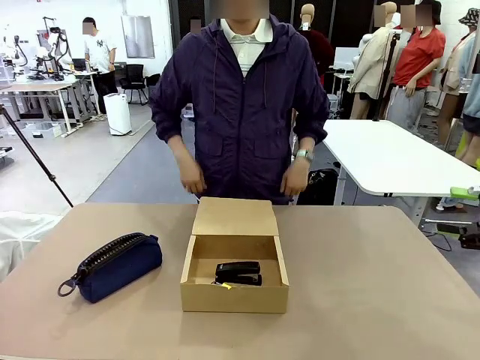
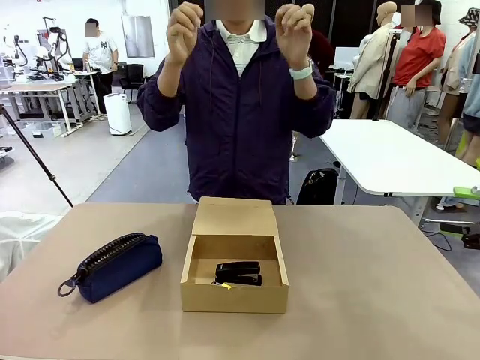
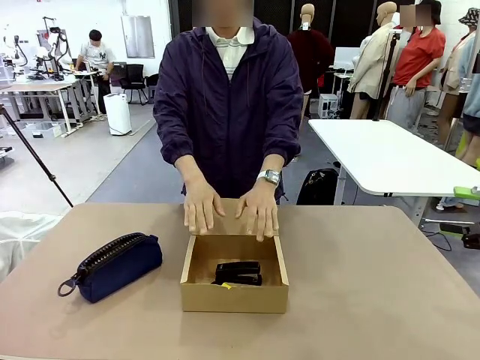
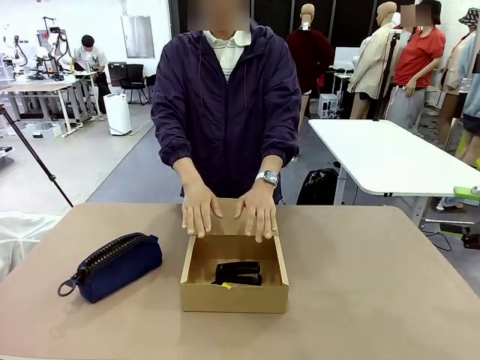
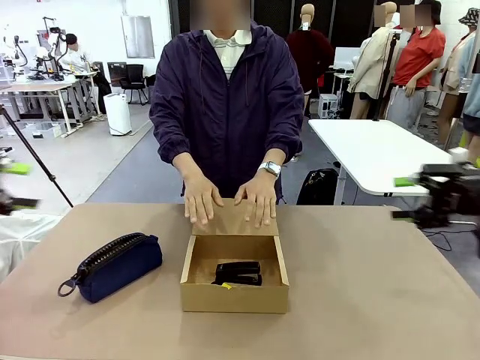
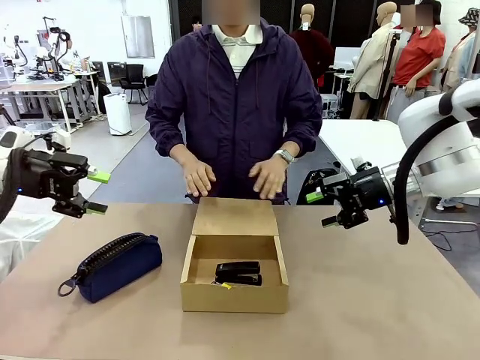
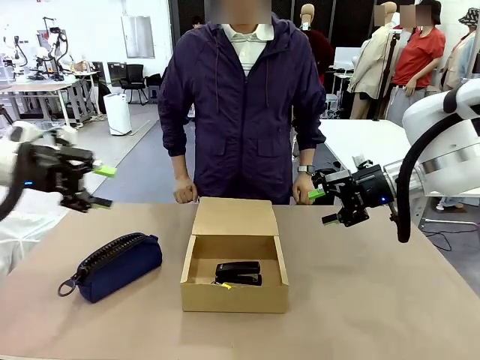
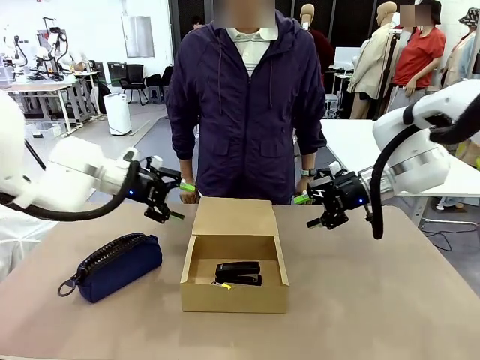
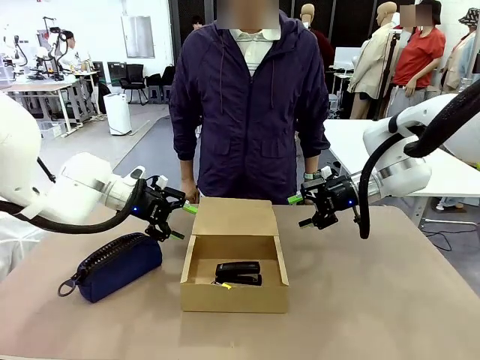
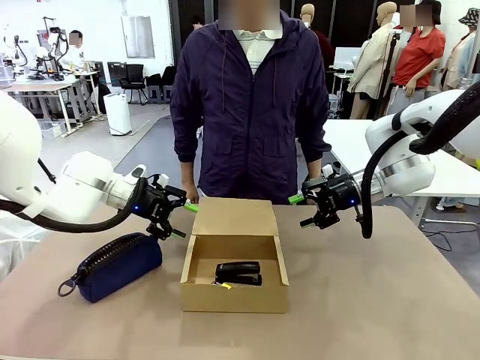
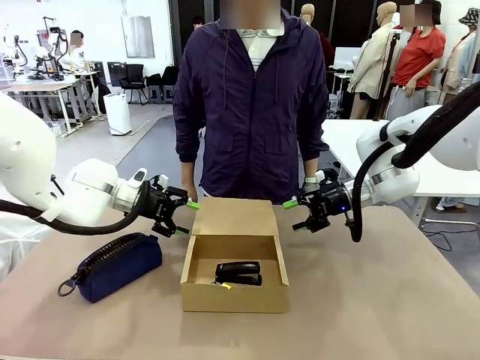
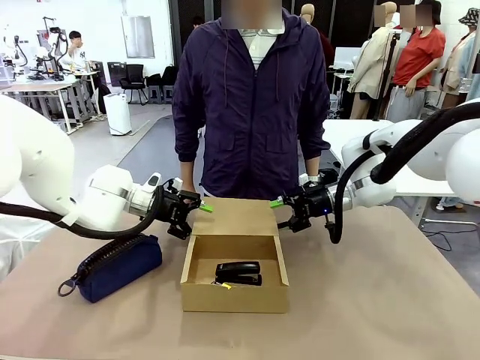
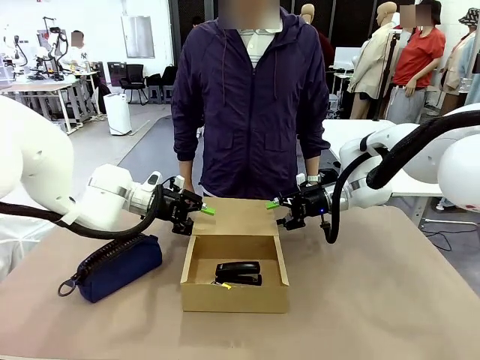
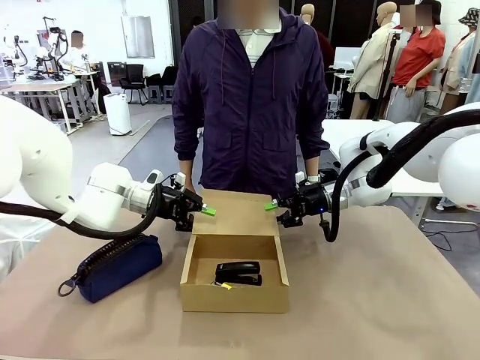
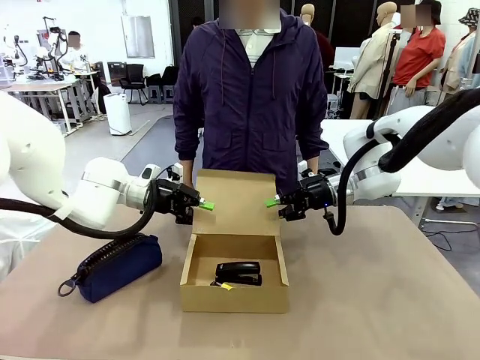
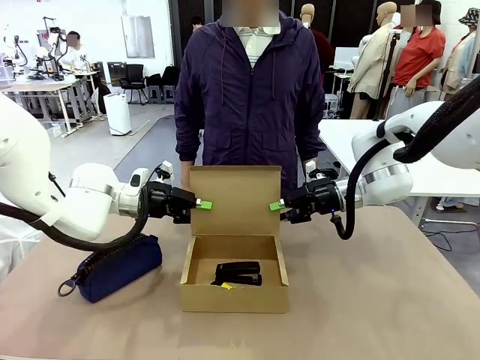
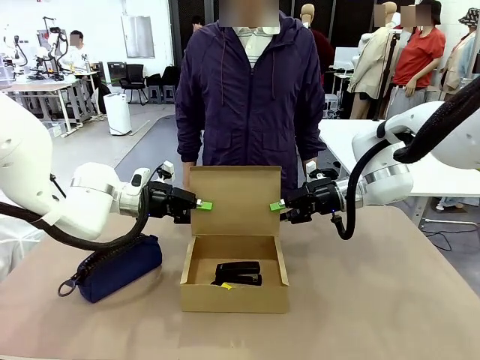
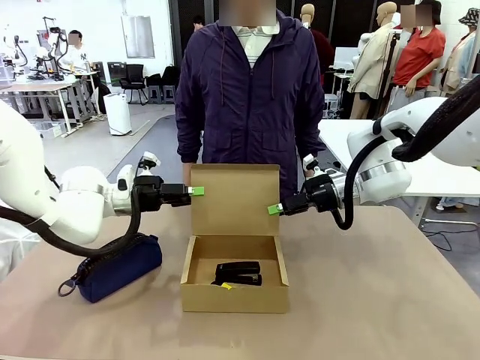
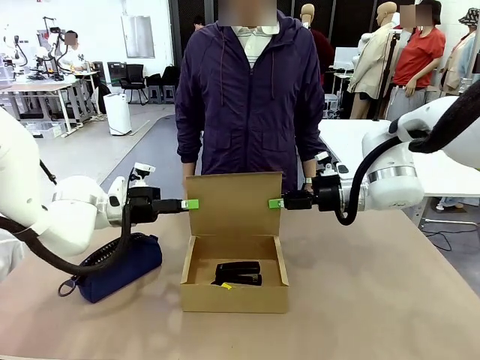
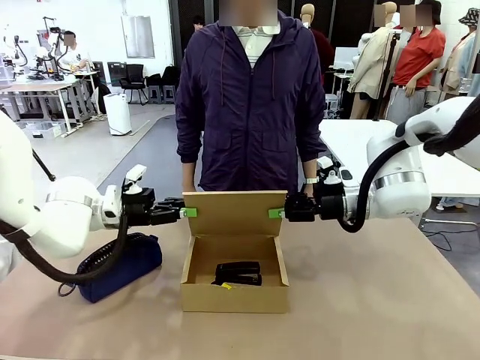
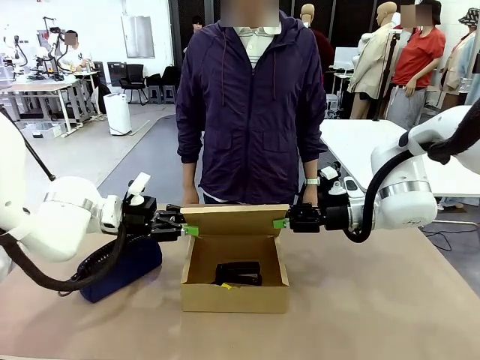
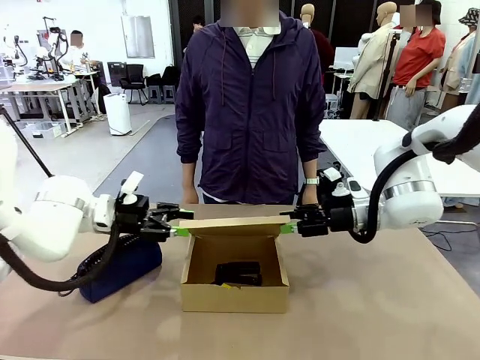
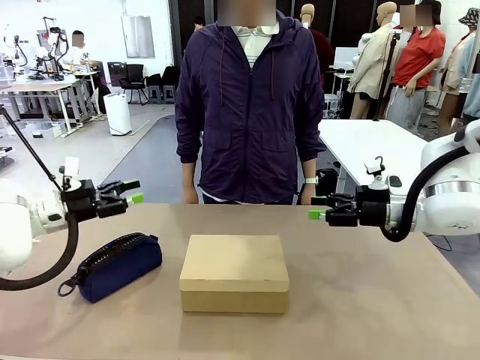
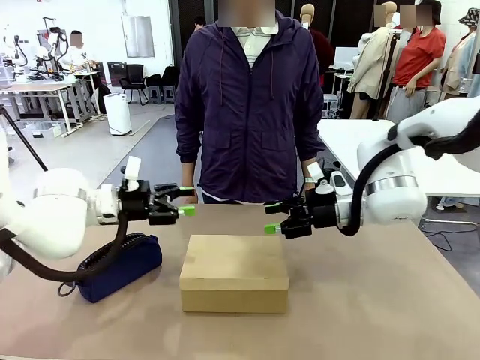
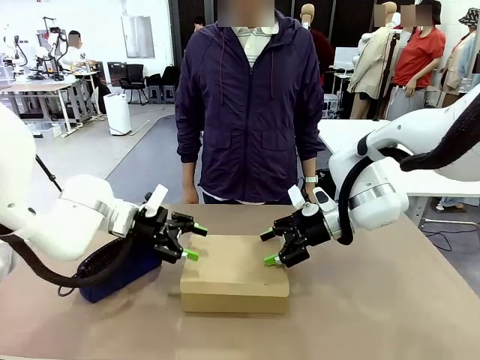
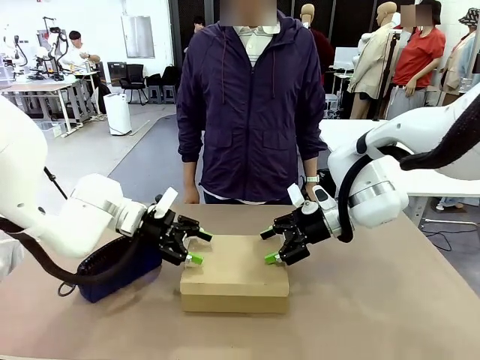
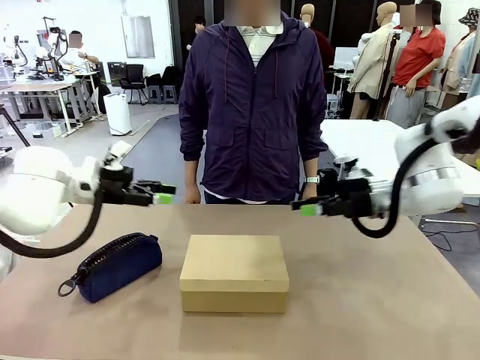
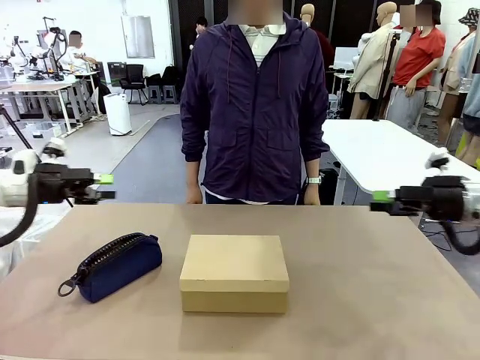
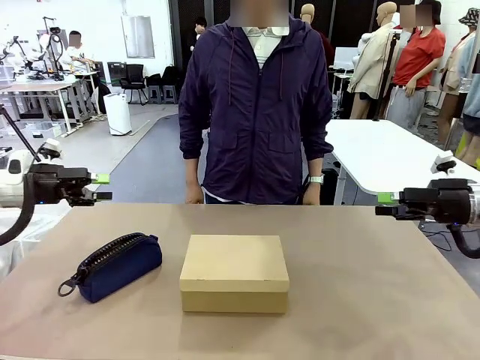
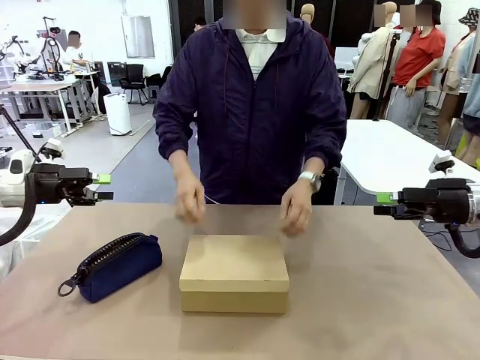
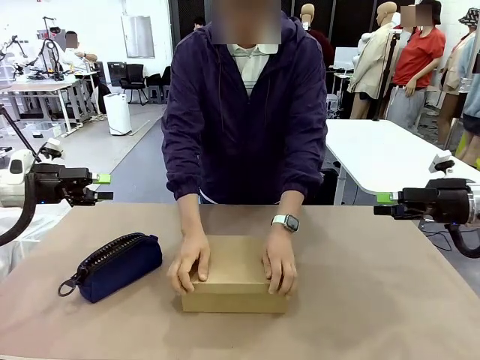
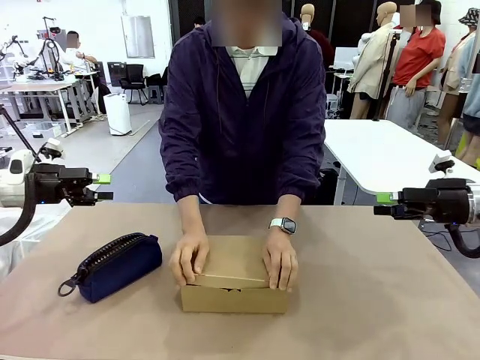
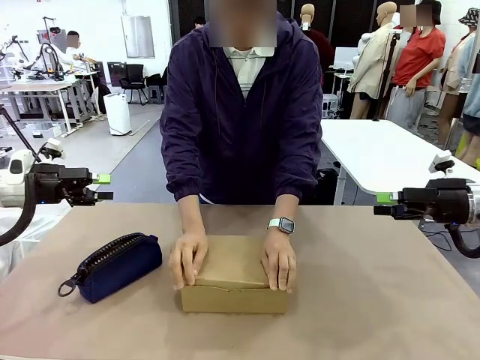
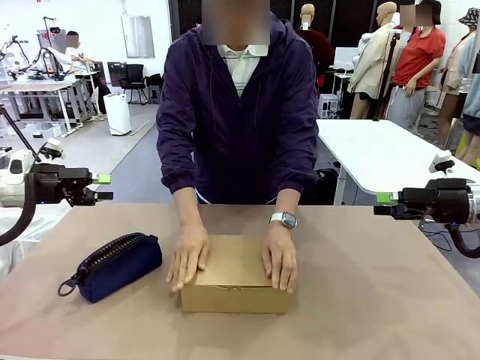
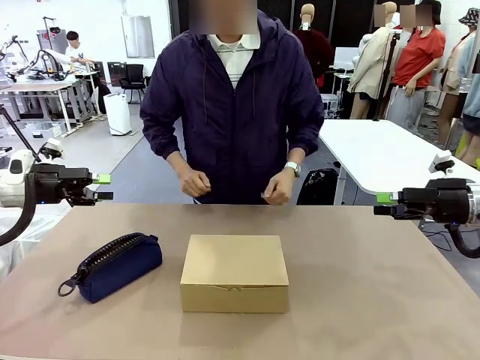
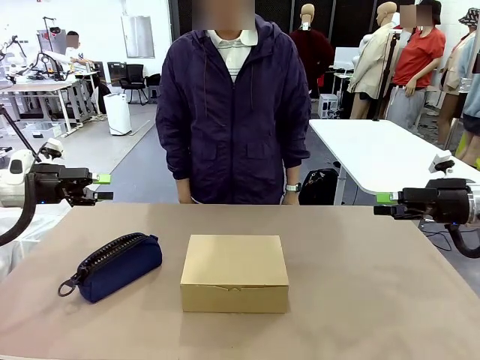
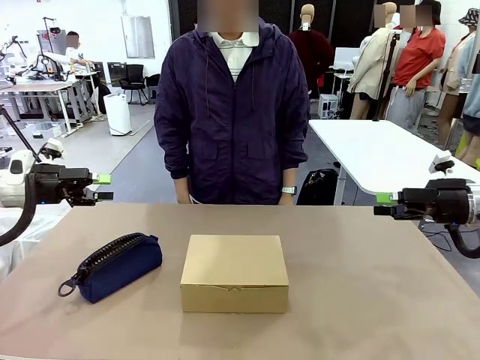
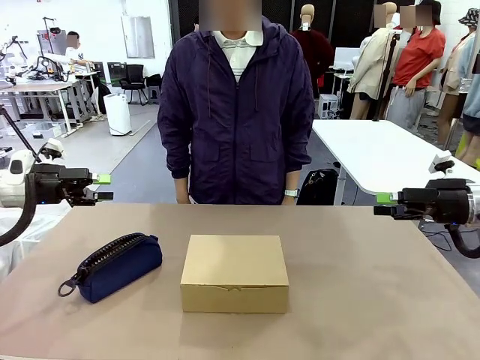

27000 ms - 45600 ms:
Task: Pack the items into the box.
Robot: Close the Mailer Box.
Person: Turn the box and lock it.
